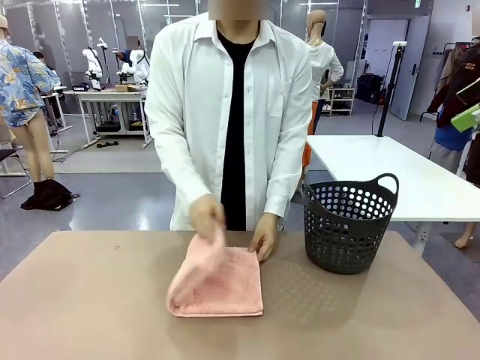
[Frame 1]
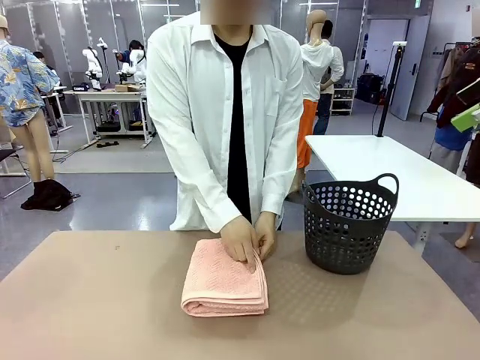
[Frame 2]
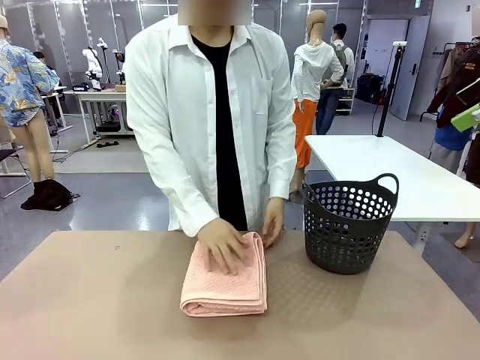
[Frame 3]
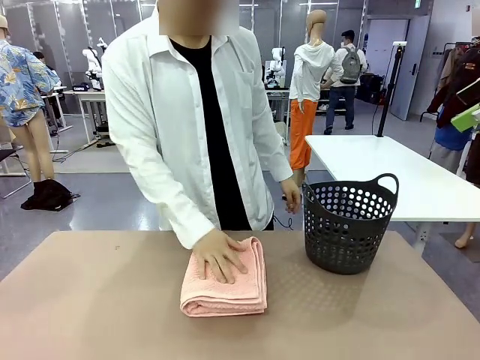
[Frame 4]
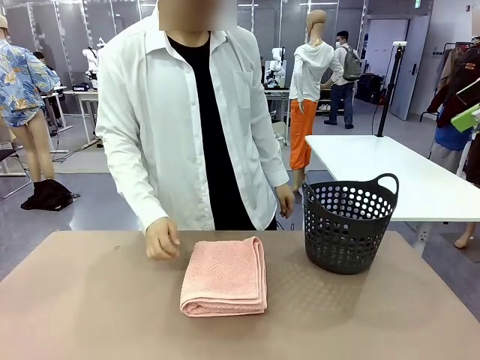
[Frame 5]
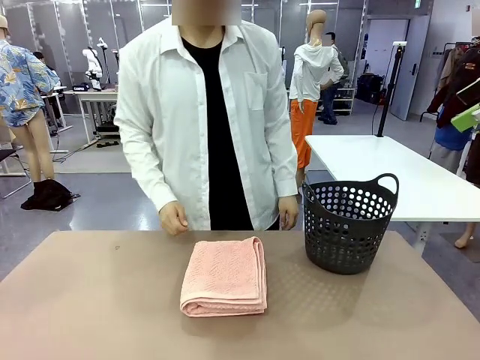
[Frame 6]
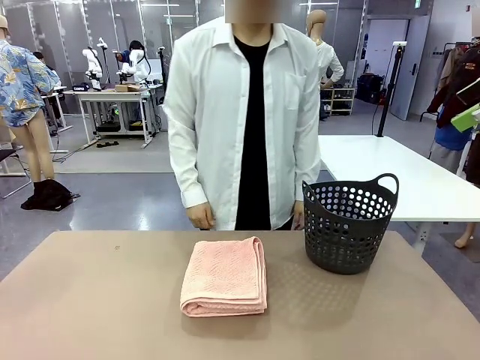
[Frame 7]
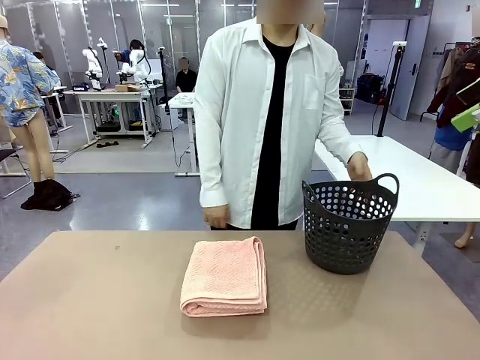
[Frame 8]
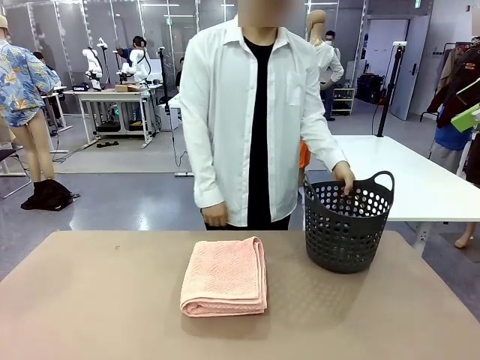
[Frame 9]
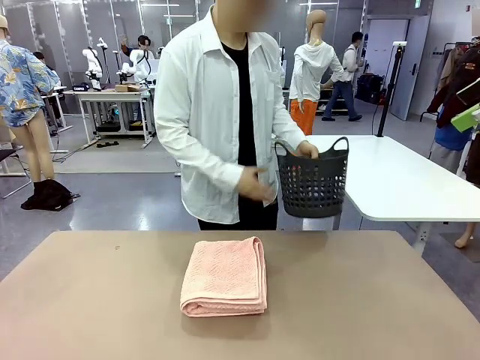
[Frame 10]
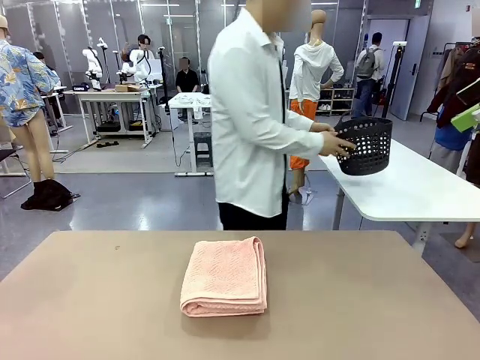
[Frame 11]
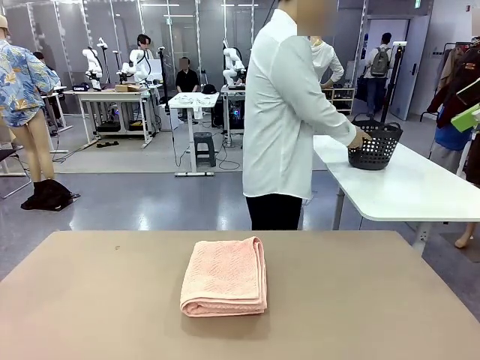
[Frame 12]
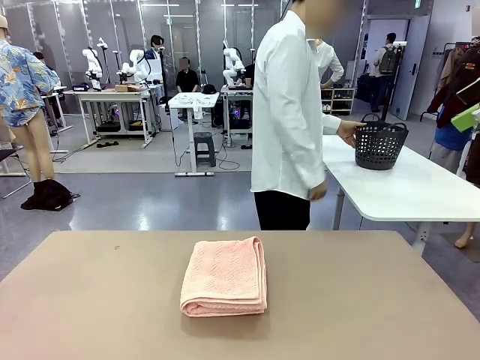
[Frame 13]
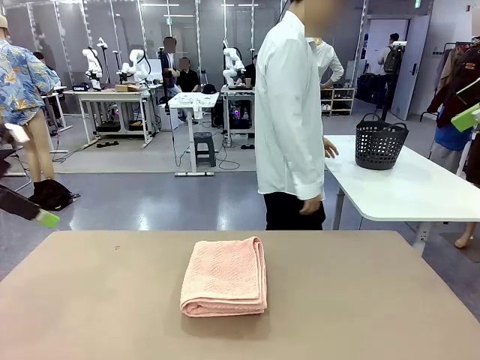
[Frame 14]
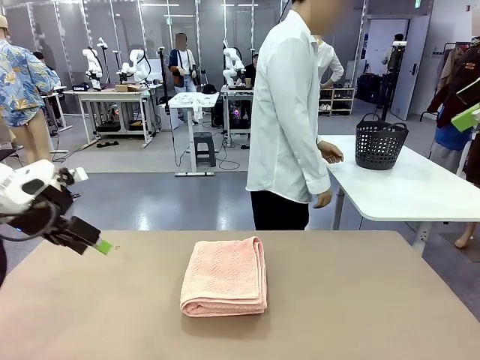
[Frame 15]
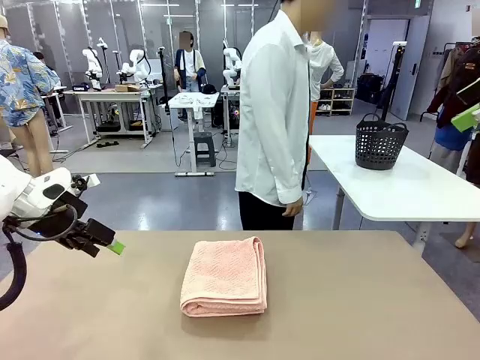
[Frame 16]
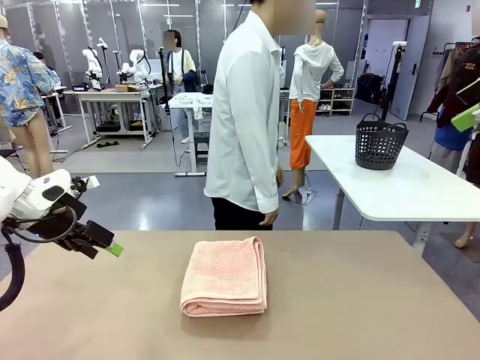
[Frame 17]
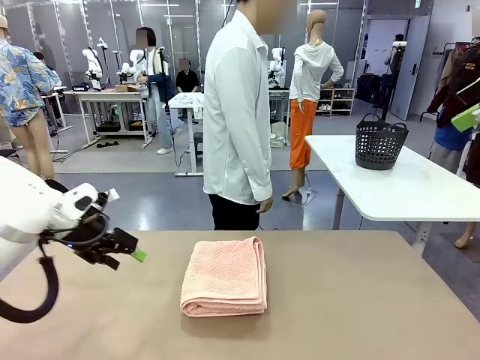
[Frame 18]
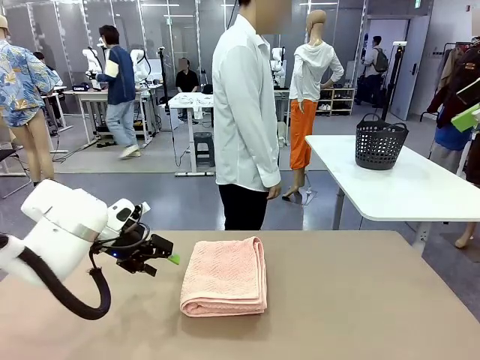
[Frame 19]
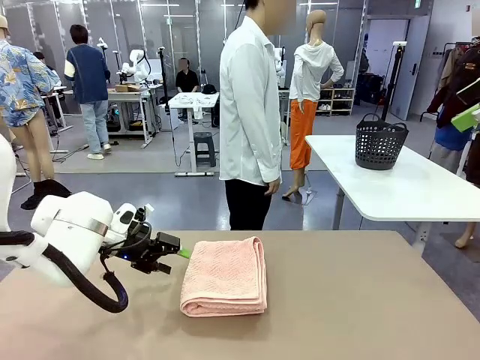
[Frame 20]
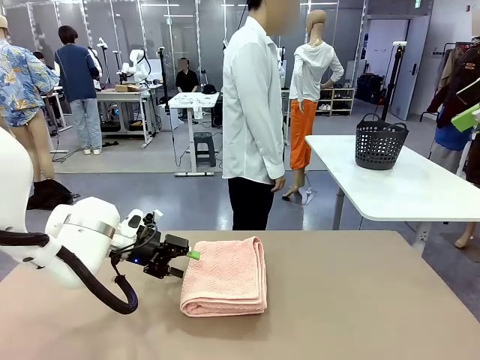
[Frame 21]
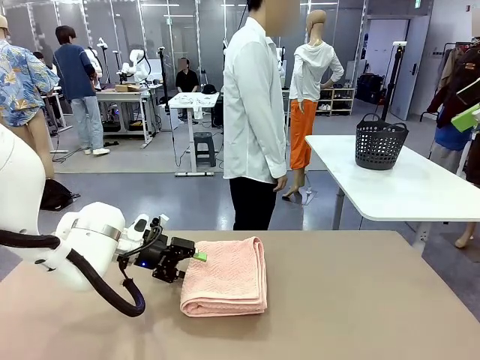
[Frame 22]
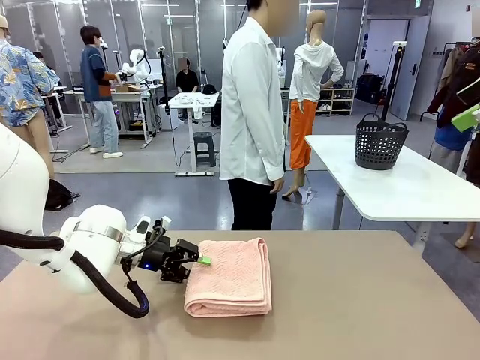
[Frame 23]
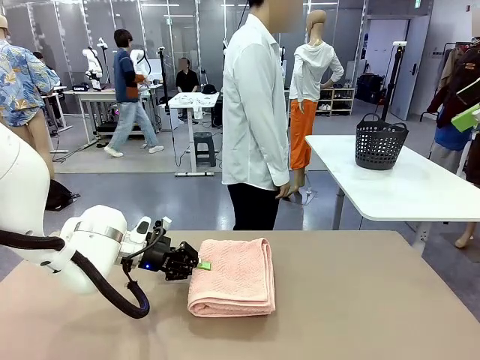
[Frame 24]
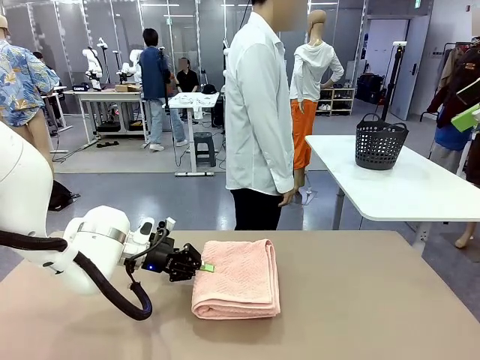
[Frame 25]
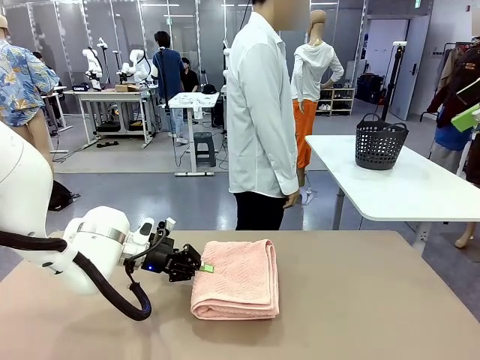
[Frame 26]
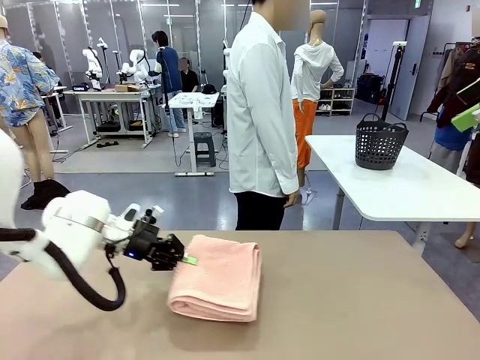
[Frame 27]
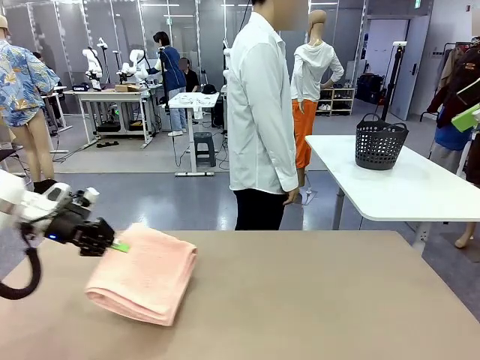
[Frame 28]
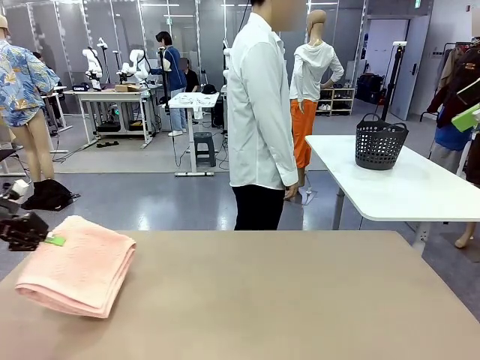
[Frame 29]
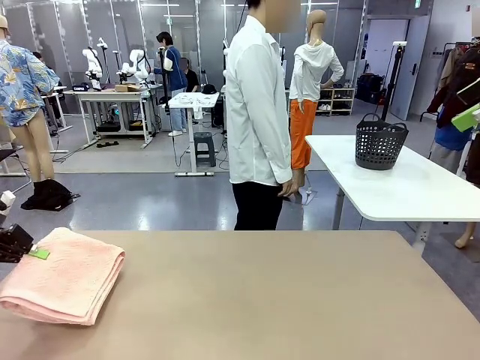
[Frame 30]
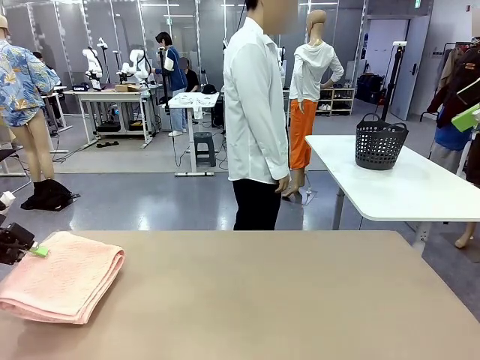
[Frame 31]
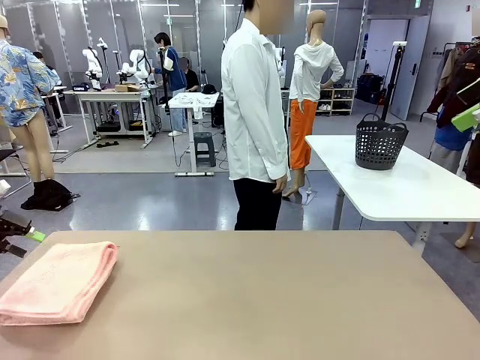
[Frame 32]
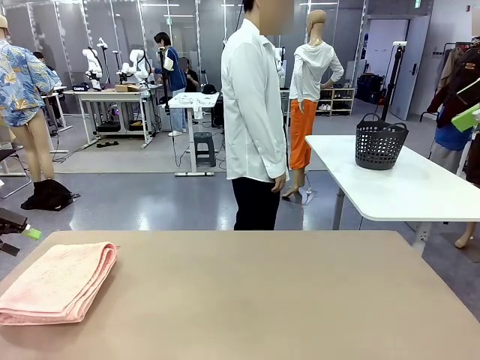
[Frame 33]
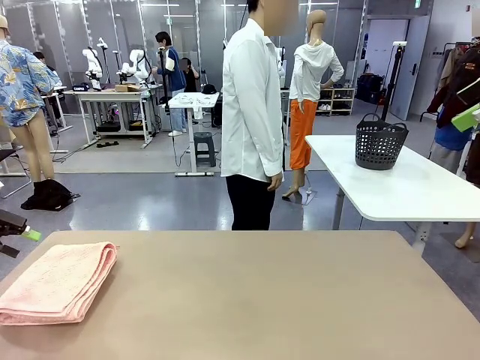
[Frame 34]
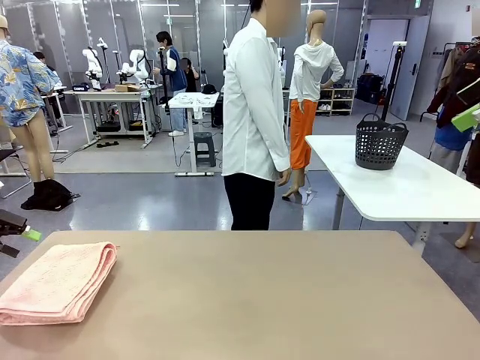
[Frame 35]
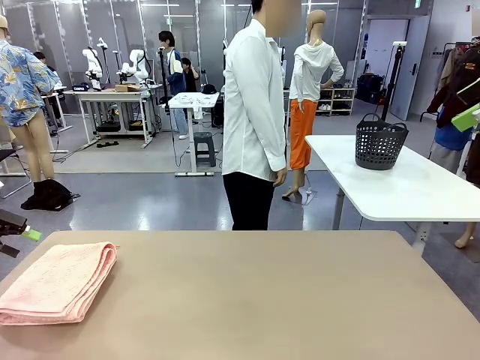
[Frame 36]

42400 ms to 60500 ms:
Task: Fold the towel.
Robot: Pick up the 100 cm Hotel Towel and place it on the left side of the table.
Person: Pick up the laundry basket and place it at the center of the human table.

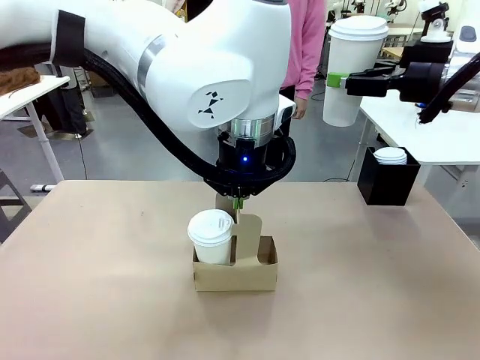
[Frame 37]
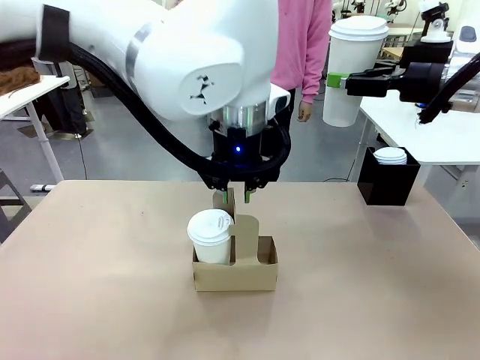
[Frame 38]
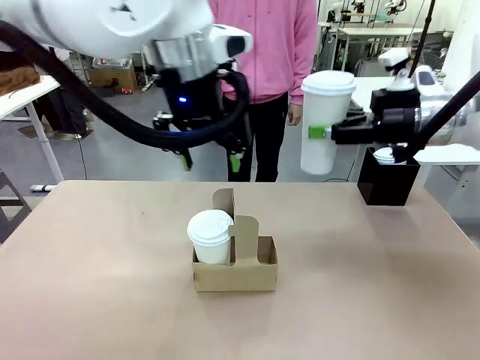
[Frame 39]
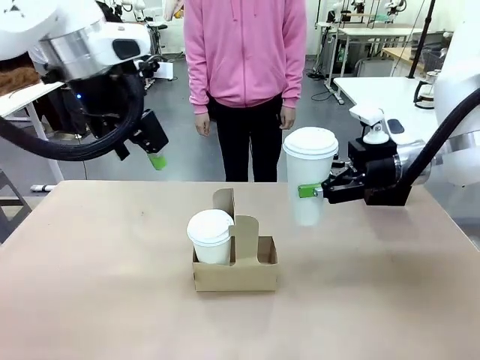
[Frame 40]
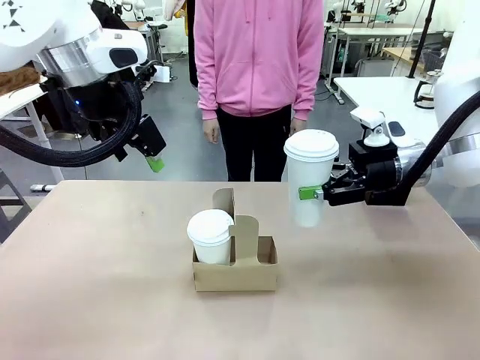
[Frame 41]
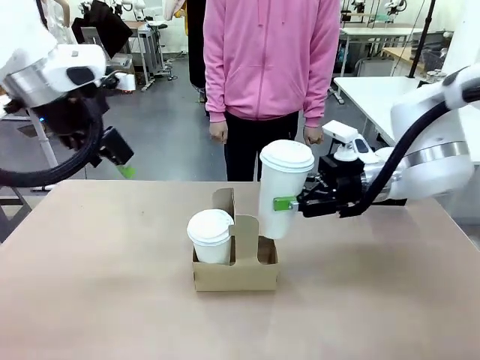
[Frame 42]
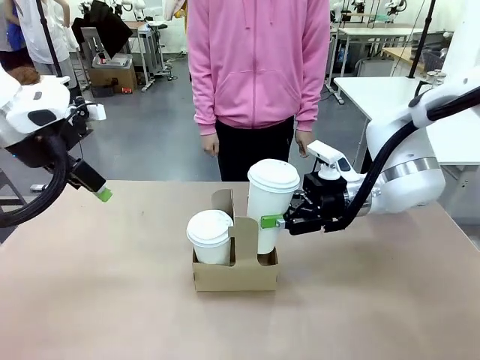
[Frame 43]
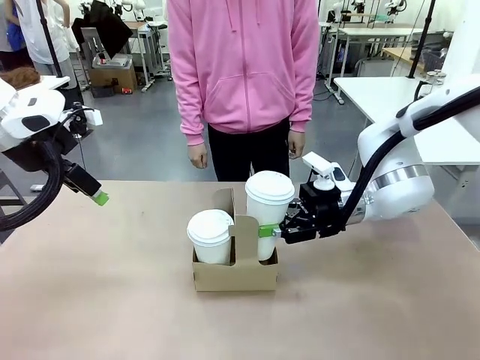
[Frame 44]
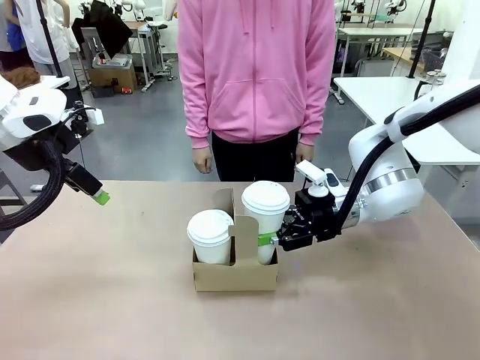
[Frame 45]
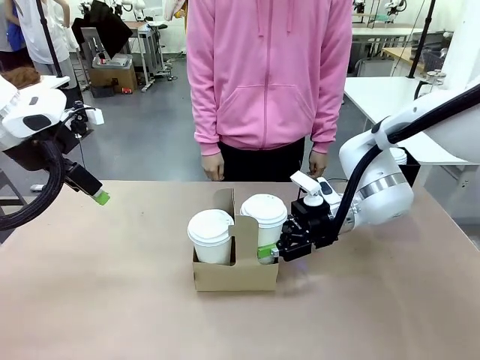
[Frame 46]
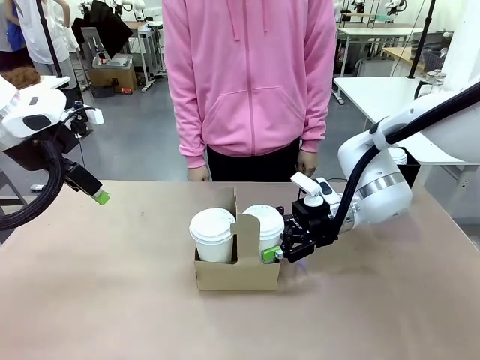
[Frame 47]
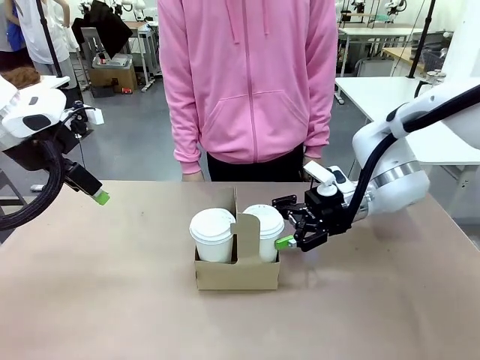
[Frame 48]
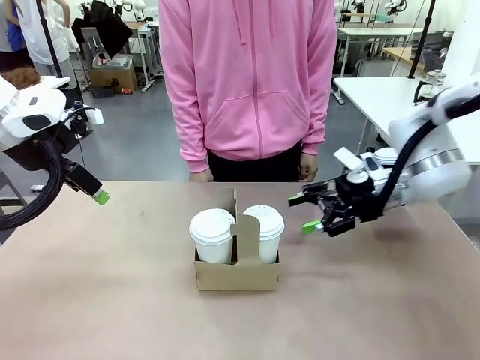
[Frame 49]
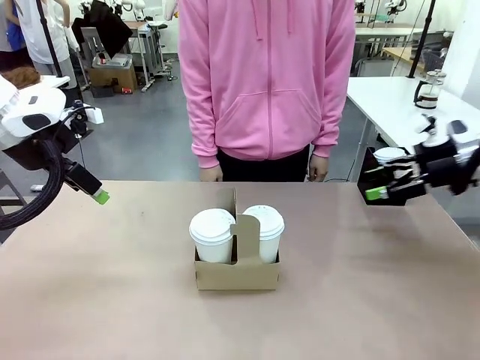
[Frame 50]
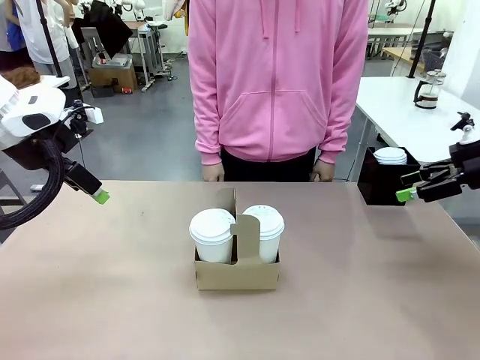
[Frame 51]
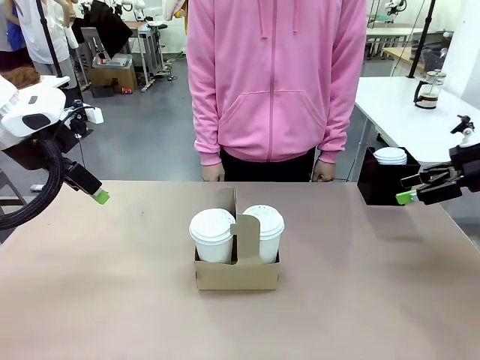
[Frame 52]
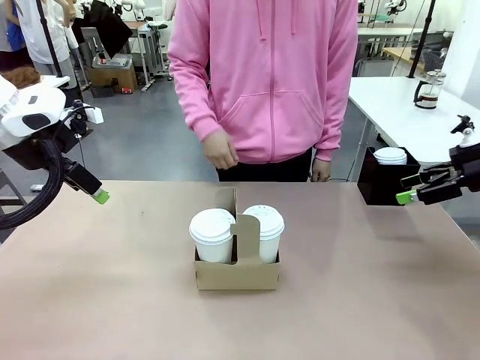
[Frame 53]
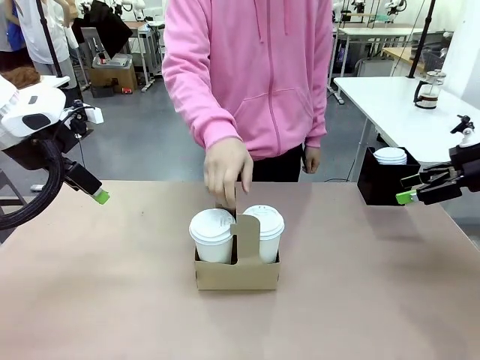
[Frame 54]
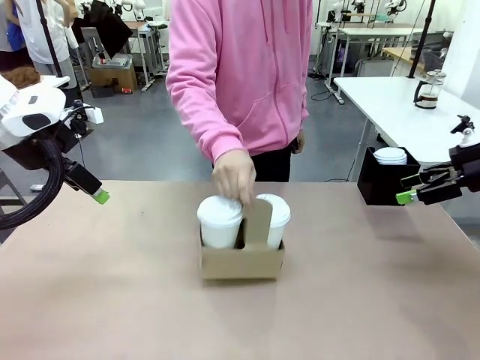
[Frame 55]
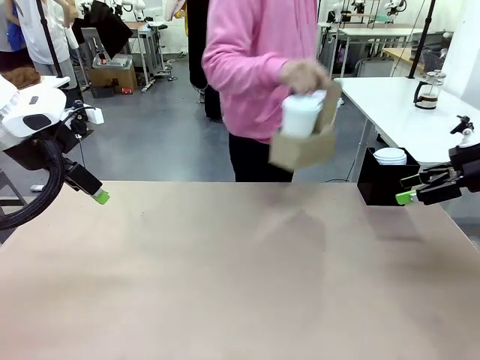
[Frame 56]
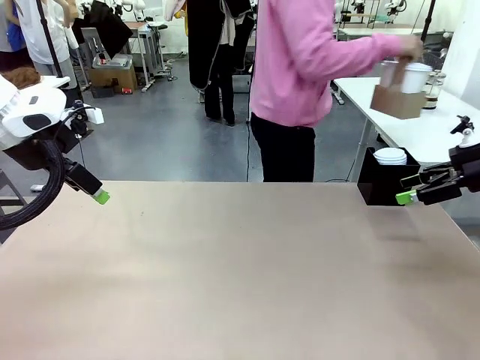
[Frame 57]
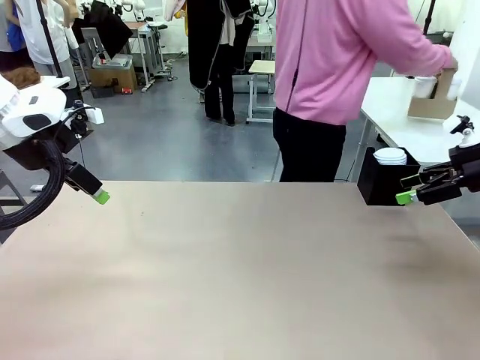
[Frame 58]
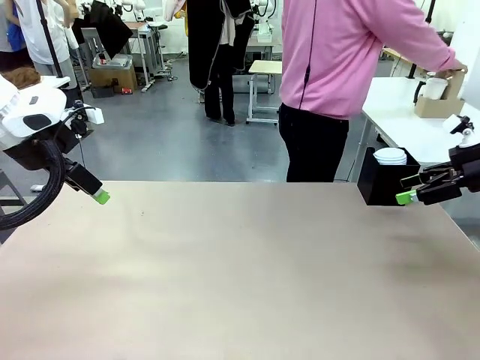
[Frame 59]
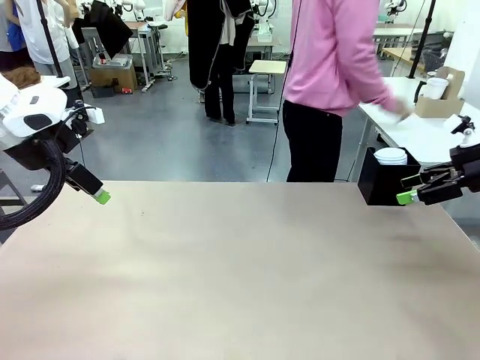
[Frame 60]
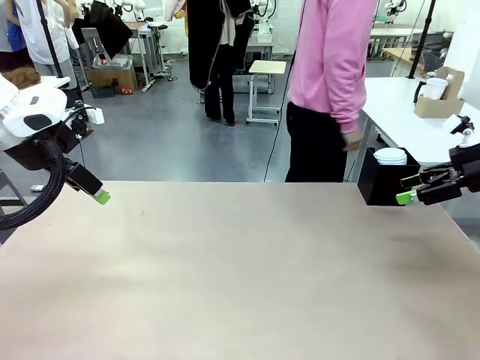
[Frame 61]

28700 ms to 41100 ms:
Task: Pour a drink into a cup and package it in a carrier.
Robot: Insert the held 600 ml Paper Cup into the Cup Carrier.
Person: Place the Cup Carrier to the middle of Human table.
